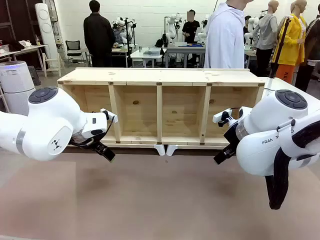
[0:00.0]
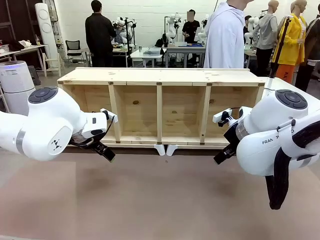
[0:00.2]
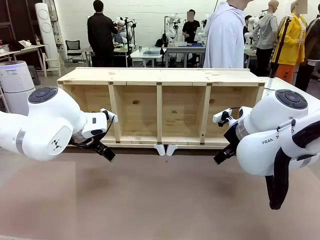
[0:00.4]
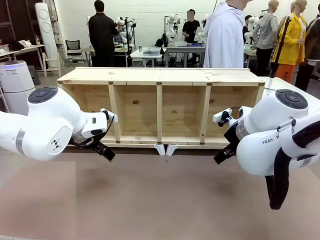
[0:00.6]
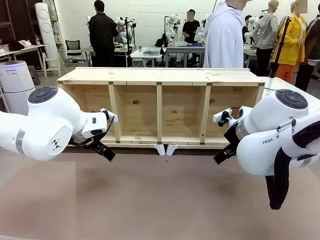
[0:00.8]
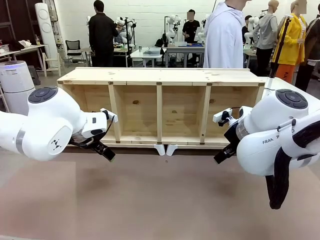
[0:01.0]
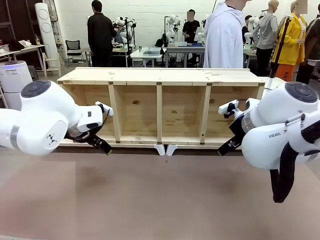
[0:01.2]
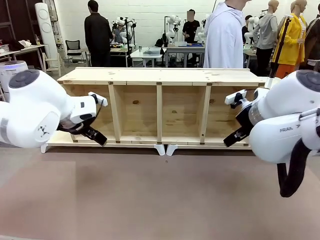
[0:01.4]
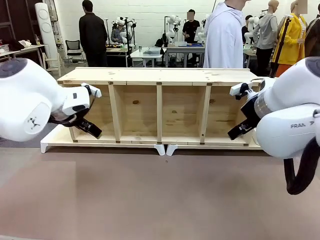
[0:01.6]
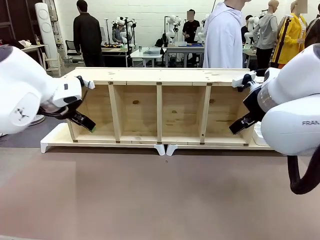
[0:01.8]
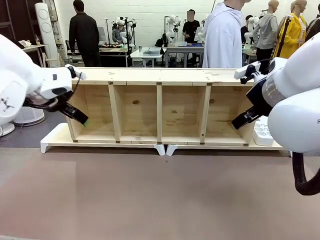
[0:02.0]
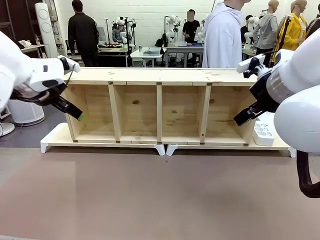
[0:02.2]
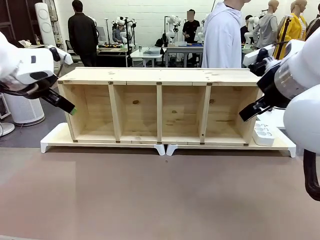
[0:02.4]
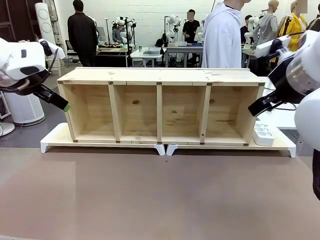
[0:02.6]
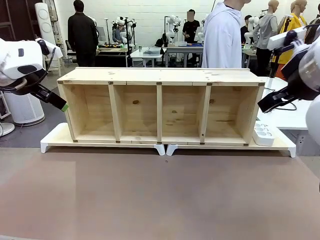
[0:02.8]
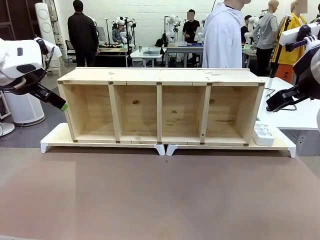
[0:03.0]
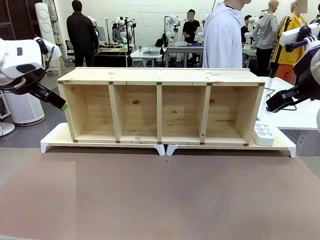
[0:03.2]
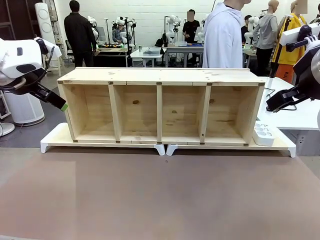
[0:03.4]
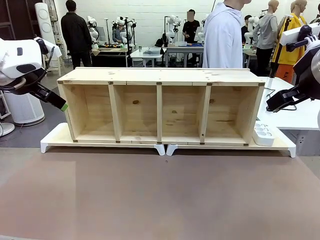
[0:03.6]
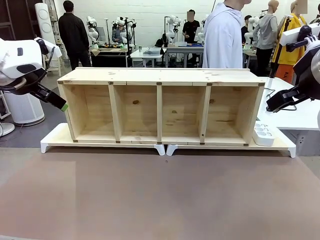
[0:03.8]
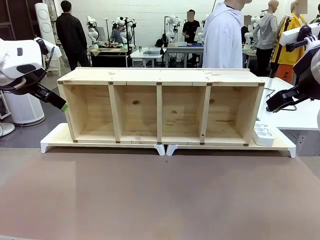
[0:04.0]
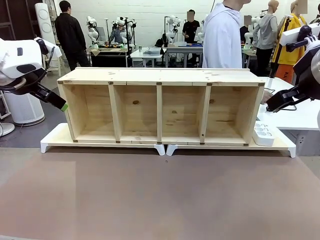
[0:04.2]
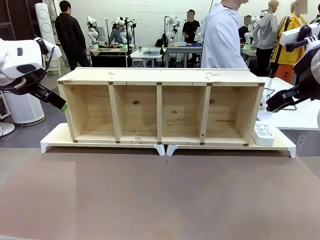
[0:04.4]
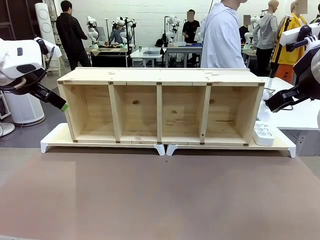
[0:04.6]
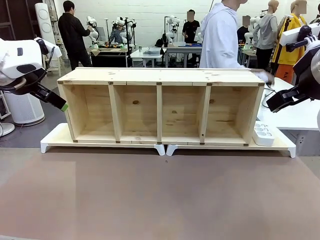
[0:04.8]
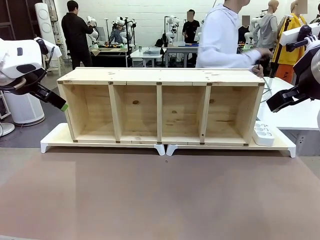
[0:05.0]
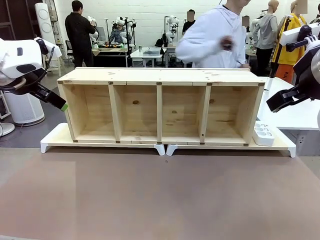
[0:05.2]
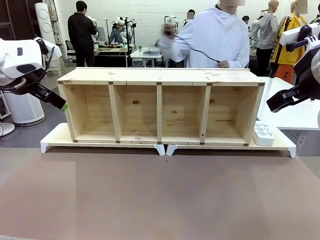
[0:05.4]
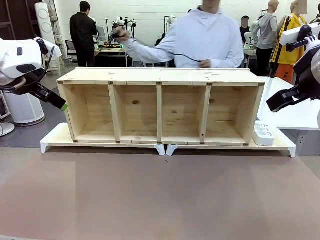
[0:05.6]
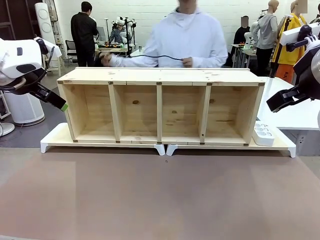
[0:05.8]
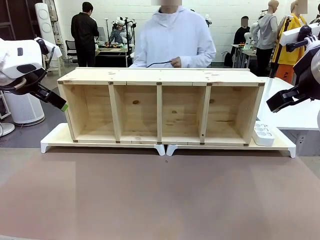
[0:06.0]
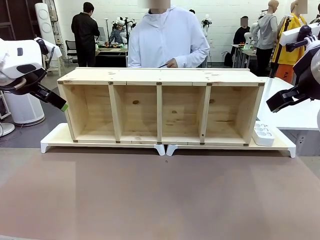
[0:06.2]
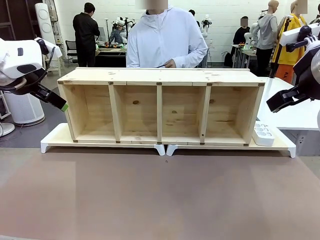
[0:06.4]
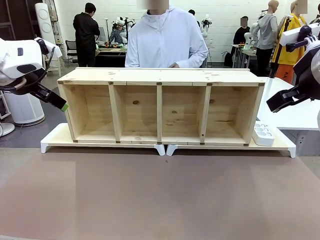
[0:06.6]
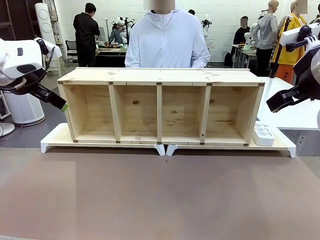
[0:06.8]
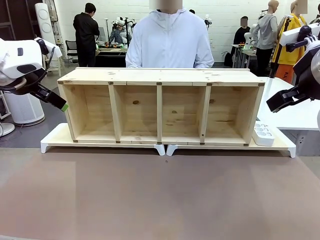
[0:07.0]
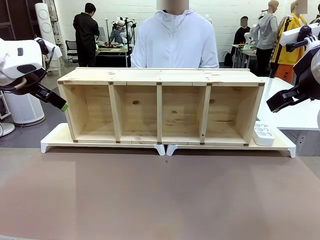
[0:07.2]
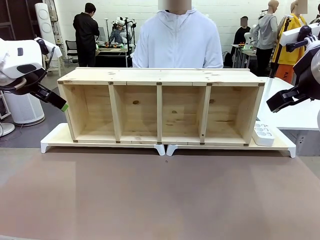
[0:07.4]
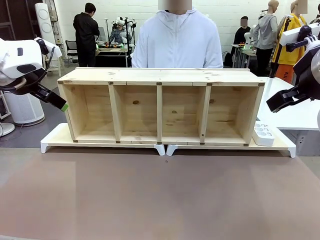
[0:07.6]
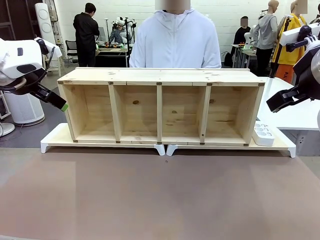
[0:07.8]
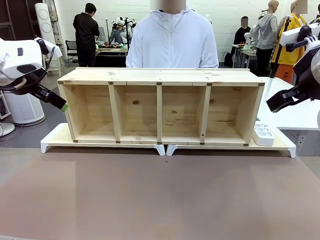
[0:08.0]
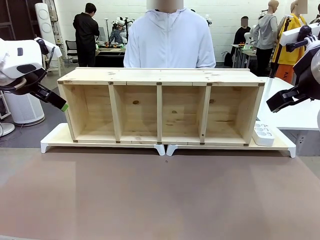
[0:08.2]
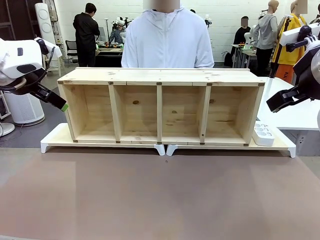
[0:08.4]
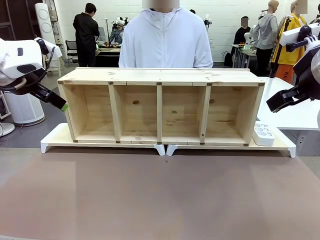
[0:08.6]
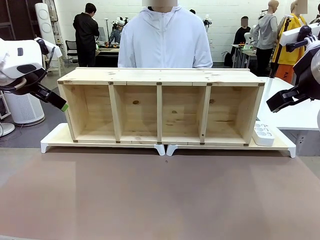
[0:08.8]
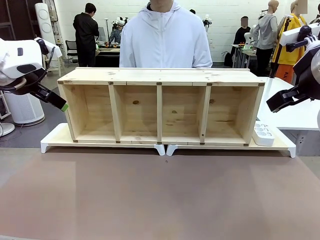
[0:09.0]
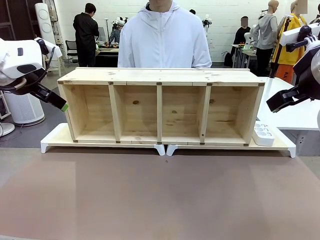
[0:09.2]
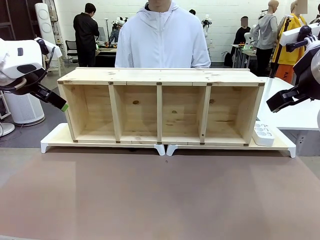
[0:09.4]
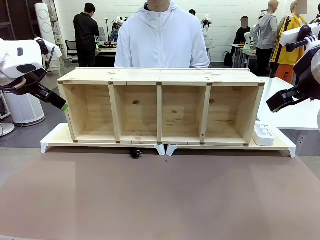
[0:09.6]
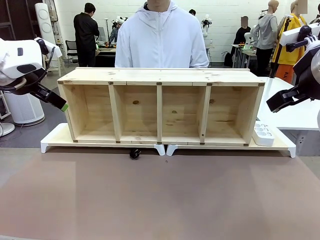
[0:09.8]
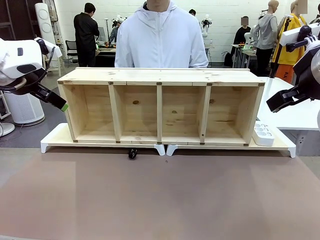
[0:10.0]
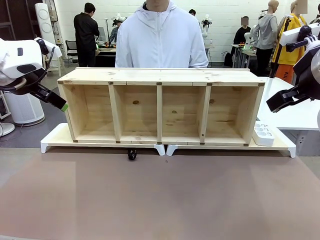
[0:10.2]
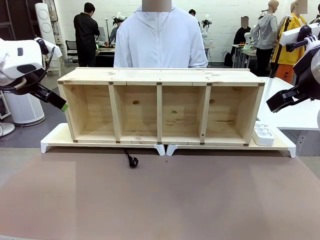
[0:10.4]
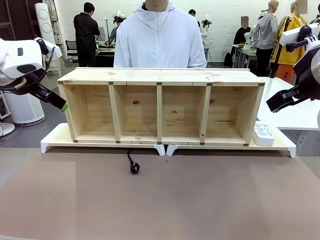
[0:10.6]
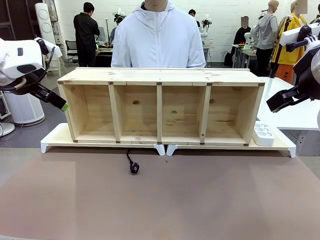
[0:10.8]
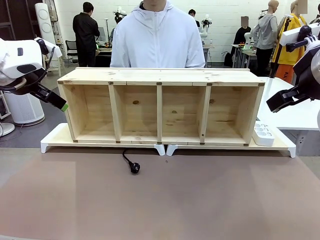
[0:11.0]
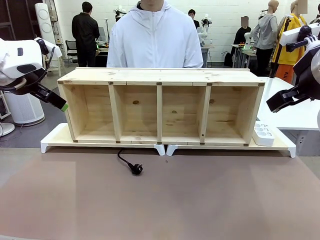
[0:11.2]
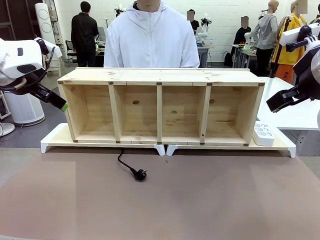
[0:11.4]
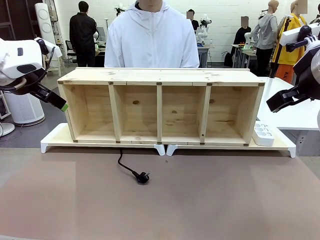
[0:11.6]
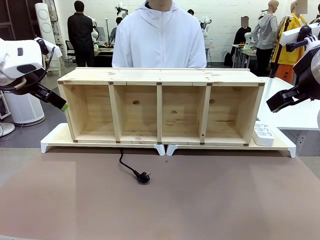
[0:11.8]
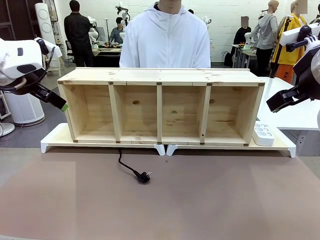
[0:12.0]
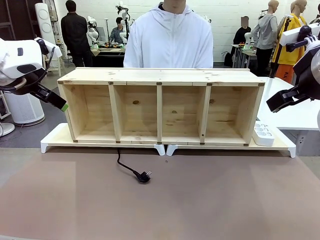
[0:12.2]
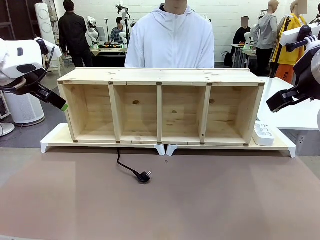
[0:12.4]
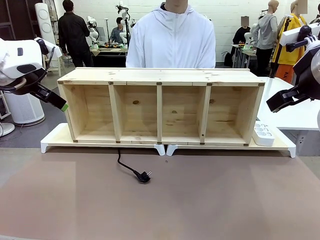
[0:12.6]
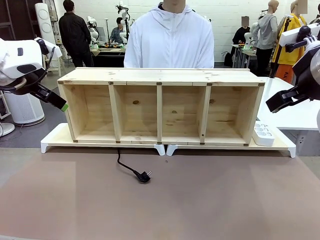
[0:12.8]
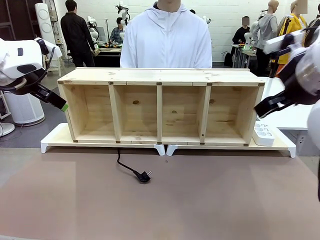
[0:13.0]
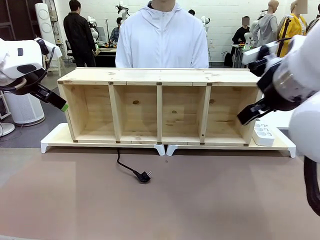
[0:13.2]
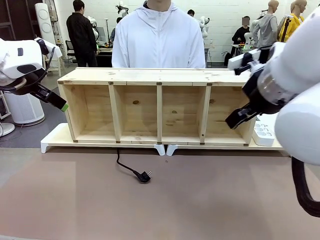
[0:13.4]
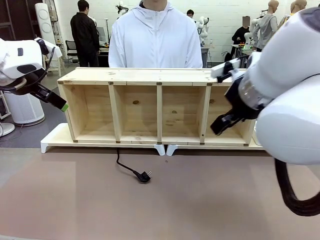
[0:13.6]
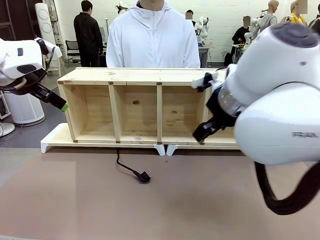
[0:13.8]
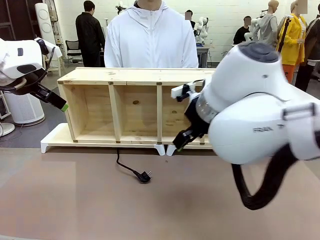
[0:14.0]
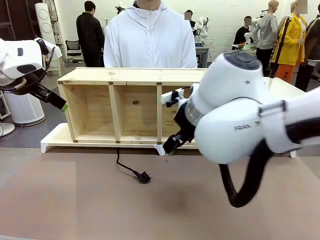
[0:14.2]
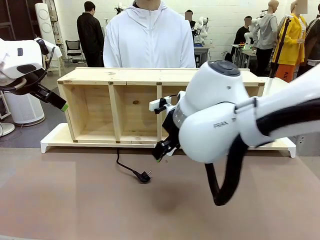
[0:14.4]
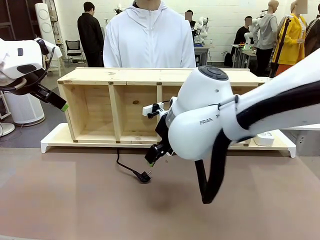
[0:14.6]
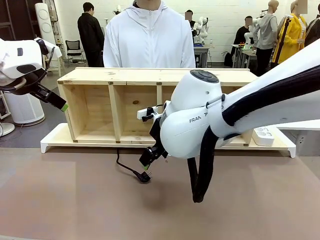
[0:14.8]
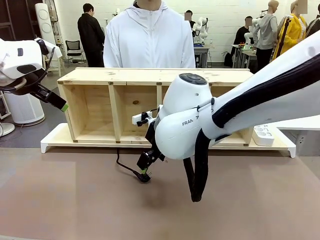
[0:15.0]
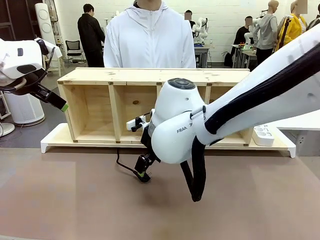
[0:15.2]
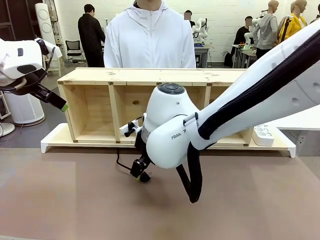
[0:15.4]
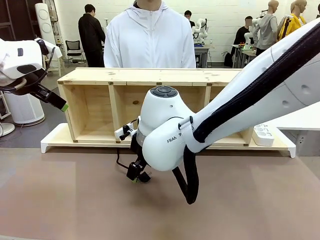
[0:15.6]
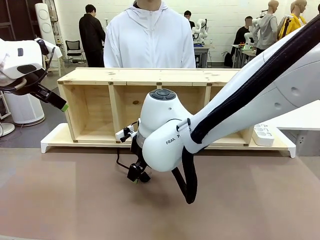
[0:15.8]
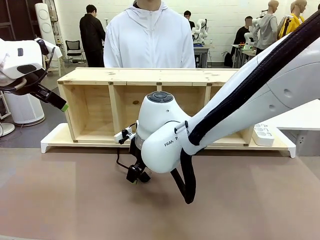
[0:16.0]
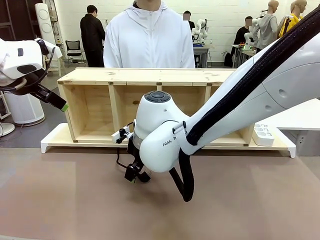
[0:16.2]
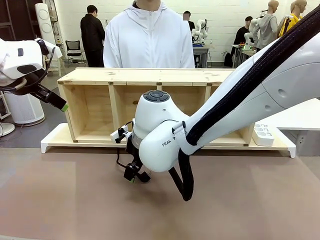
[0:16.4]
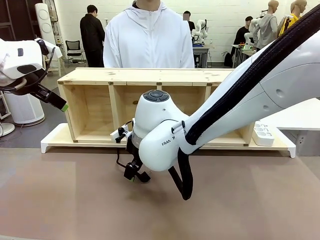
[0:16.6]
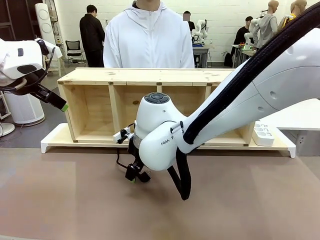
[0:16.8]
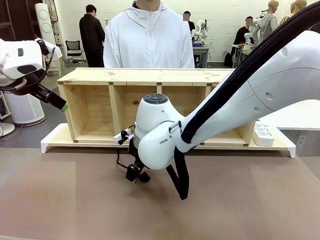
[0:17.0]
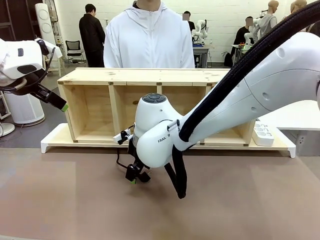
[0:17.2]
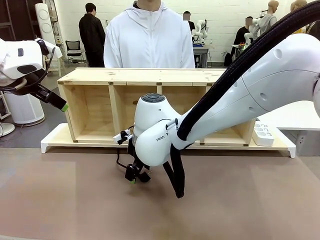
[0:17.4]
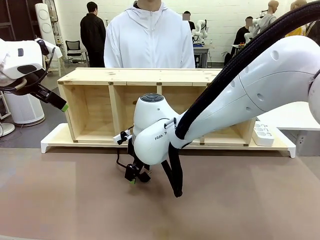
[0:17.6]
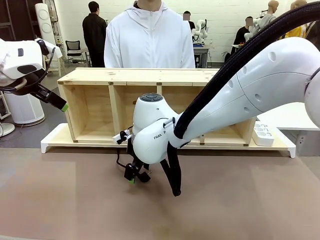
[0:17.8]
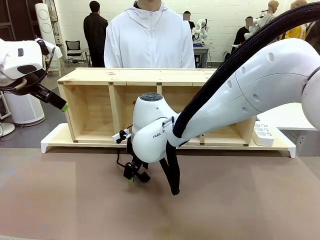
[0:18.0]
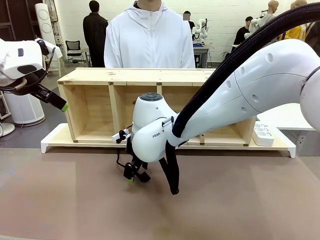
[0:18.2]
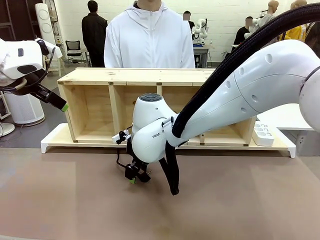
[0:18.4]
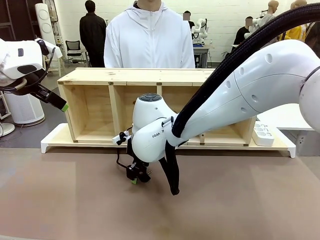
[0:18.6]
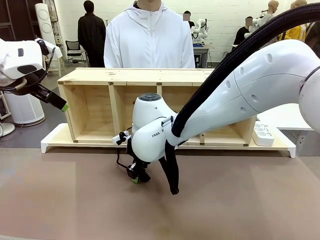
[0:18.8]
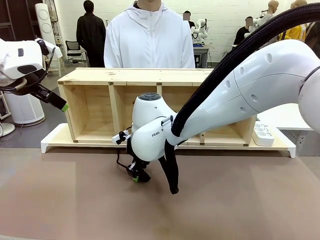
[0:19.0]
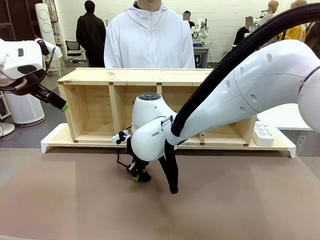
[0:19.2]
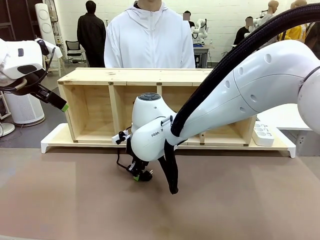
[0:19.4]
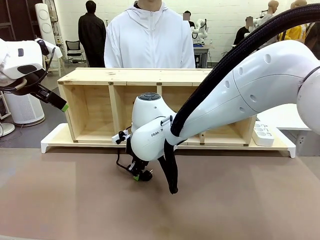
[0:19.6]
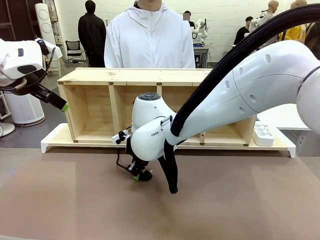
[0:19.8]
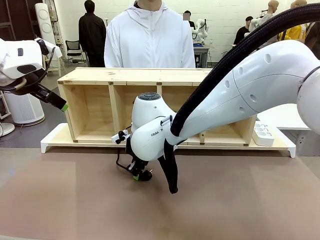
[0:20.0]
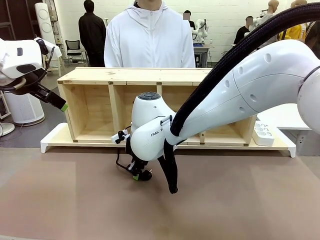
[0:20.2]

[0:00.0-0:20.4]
Task: Perform cable management.
Robot: When the cord part of the Power Cable appears at the lower middle area of the table and stops, grasp the cord part of the Power Cable.
Person: Pass the Power Cable under the Serving Table.
